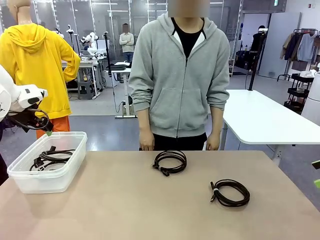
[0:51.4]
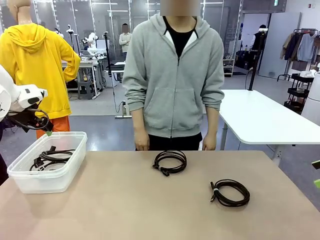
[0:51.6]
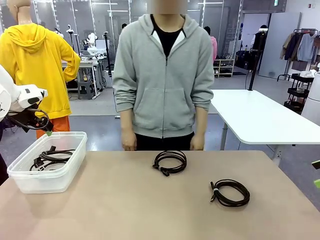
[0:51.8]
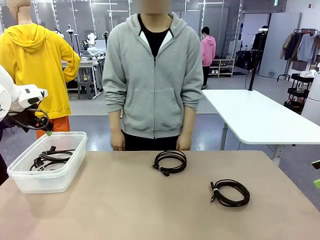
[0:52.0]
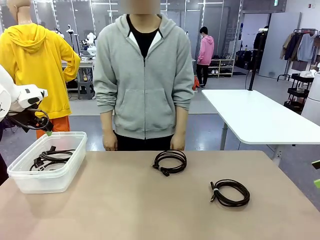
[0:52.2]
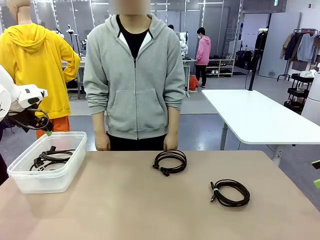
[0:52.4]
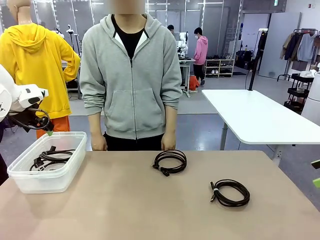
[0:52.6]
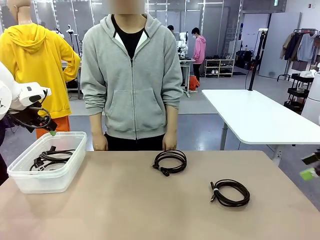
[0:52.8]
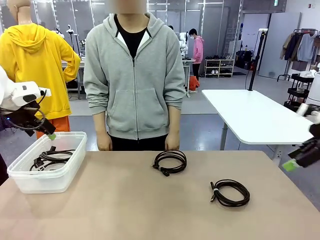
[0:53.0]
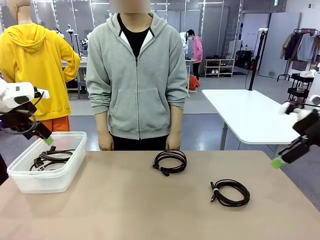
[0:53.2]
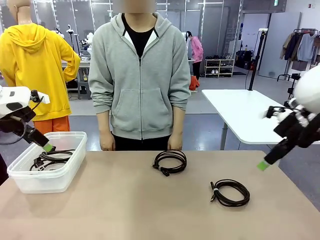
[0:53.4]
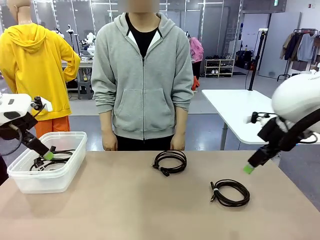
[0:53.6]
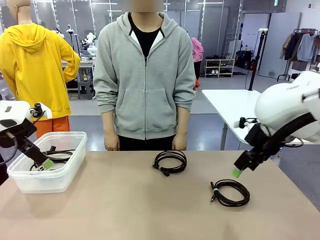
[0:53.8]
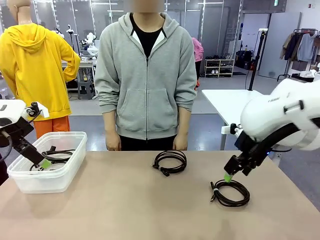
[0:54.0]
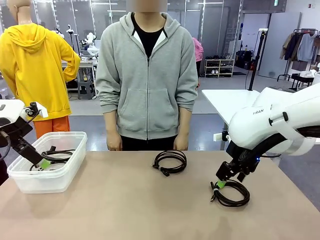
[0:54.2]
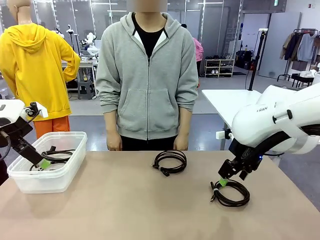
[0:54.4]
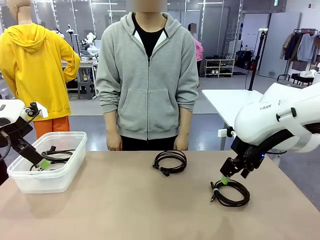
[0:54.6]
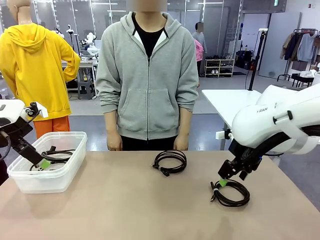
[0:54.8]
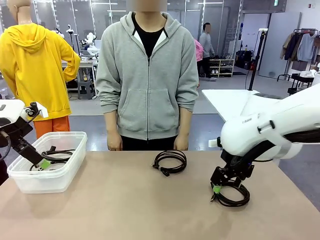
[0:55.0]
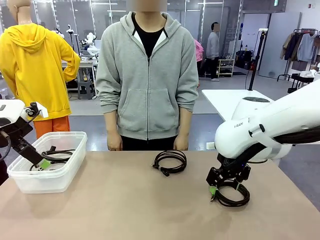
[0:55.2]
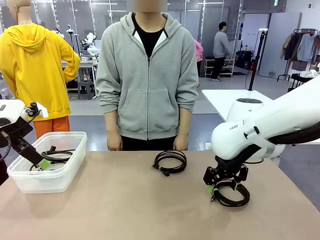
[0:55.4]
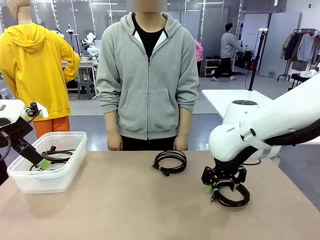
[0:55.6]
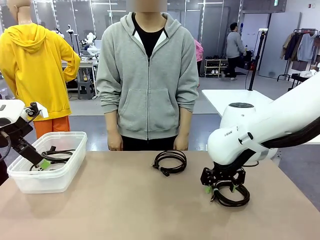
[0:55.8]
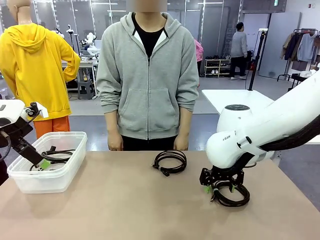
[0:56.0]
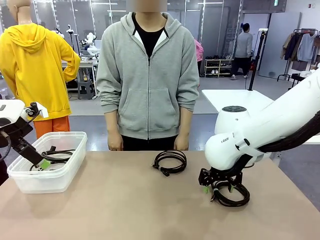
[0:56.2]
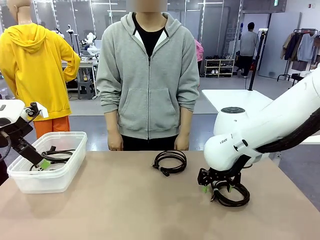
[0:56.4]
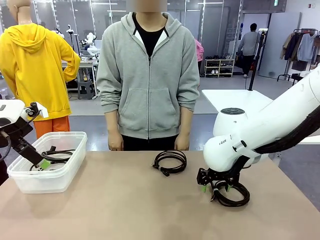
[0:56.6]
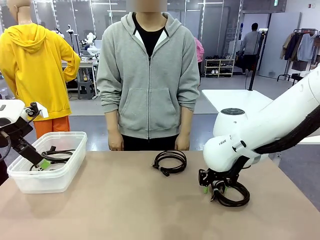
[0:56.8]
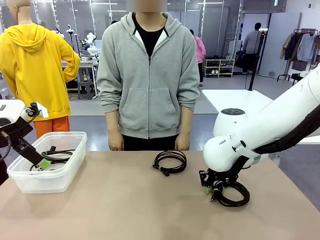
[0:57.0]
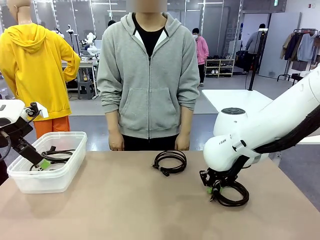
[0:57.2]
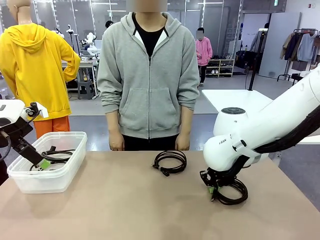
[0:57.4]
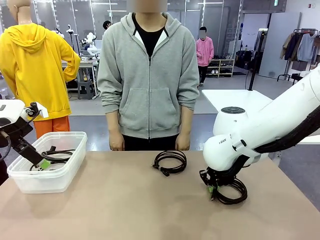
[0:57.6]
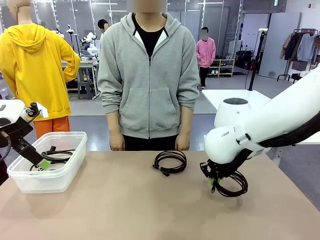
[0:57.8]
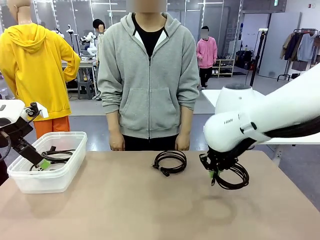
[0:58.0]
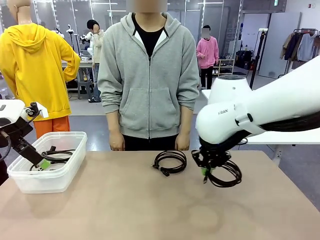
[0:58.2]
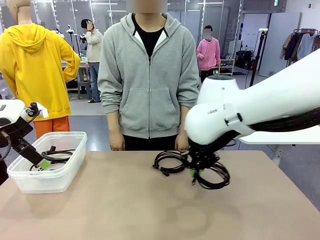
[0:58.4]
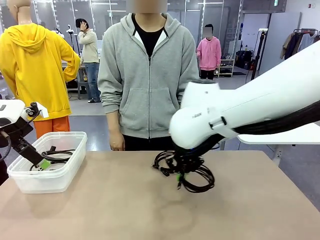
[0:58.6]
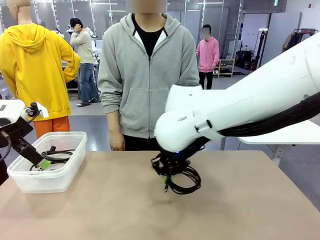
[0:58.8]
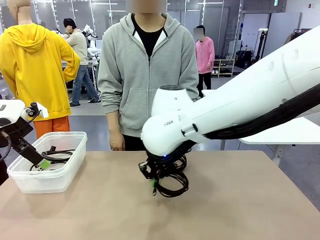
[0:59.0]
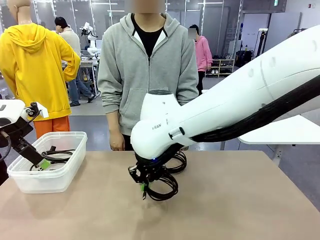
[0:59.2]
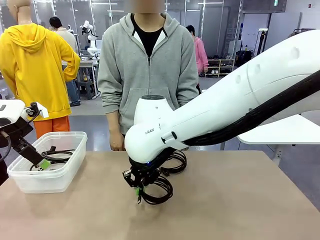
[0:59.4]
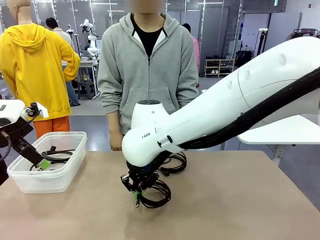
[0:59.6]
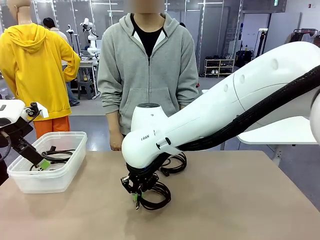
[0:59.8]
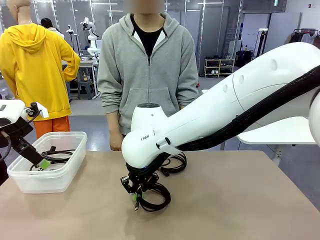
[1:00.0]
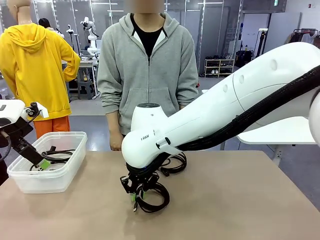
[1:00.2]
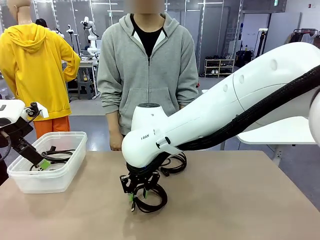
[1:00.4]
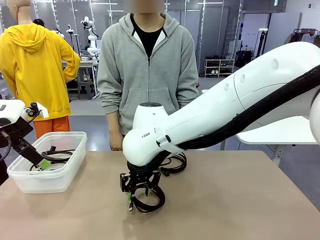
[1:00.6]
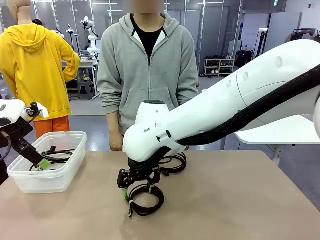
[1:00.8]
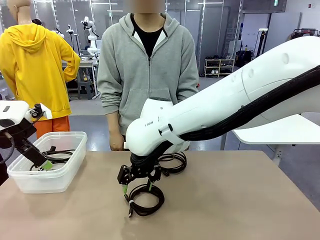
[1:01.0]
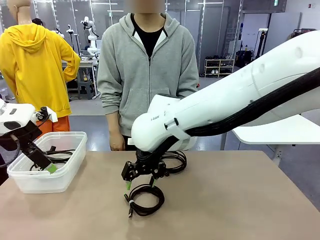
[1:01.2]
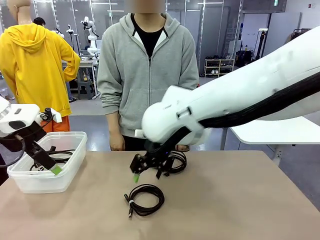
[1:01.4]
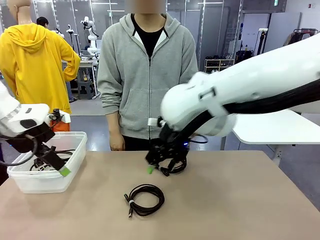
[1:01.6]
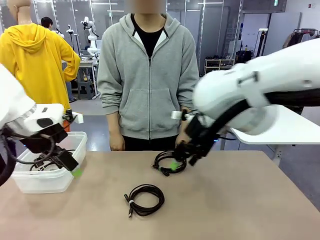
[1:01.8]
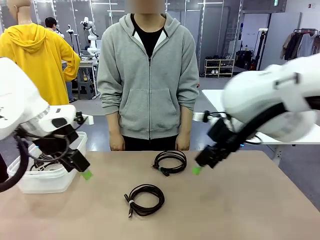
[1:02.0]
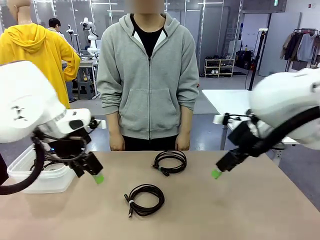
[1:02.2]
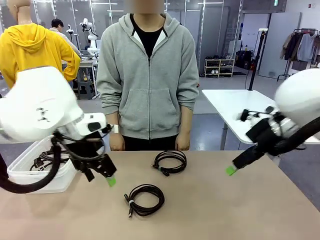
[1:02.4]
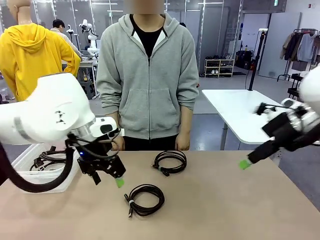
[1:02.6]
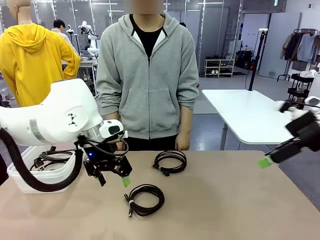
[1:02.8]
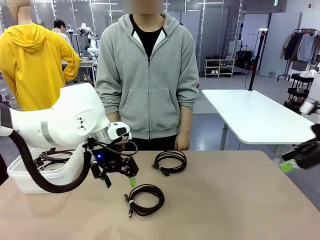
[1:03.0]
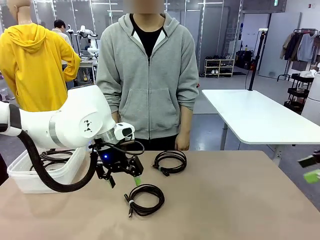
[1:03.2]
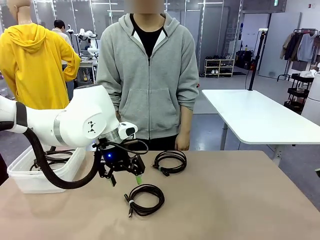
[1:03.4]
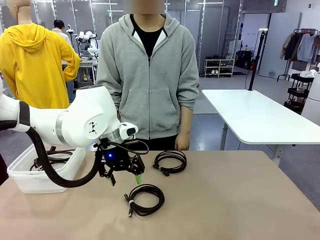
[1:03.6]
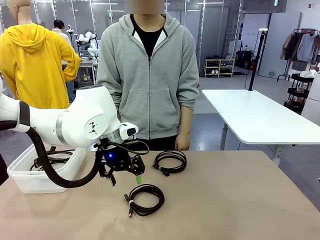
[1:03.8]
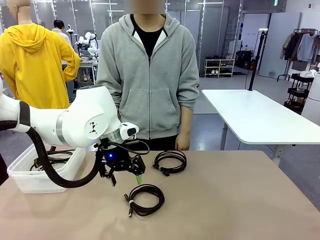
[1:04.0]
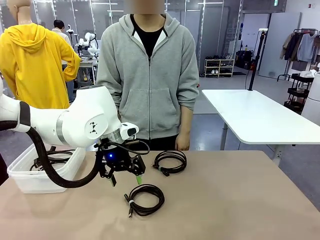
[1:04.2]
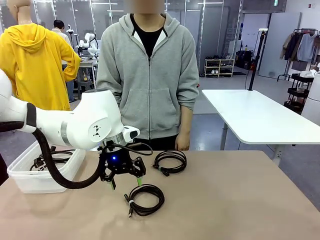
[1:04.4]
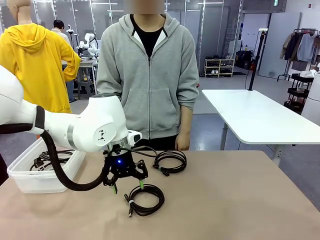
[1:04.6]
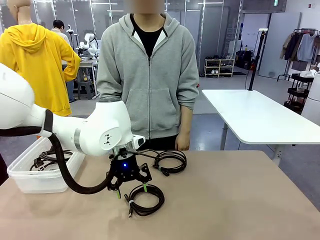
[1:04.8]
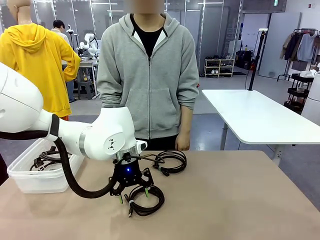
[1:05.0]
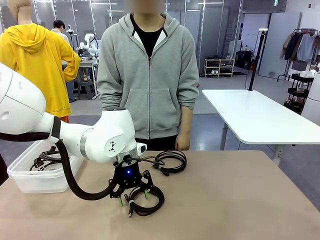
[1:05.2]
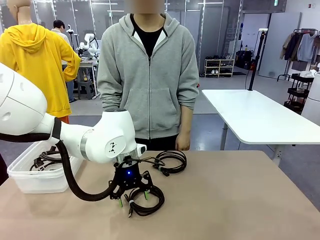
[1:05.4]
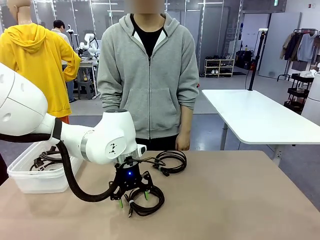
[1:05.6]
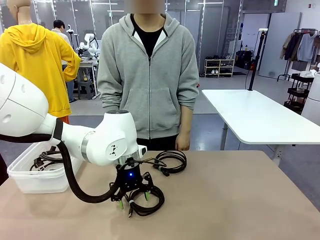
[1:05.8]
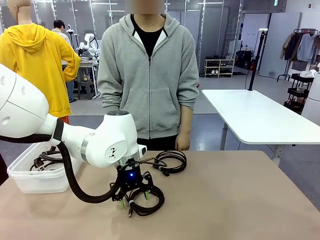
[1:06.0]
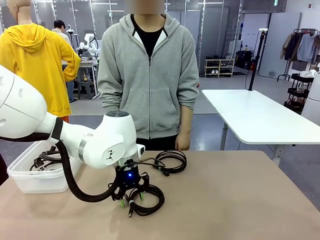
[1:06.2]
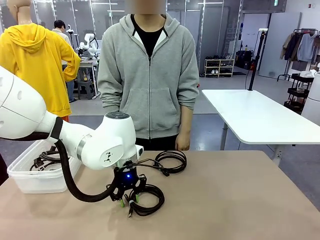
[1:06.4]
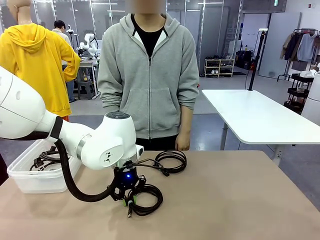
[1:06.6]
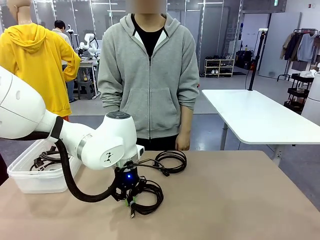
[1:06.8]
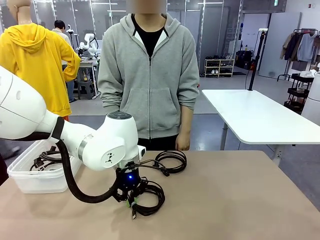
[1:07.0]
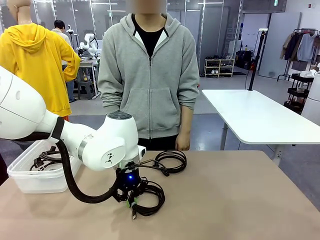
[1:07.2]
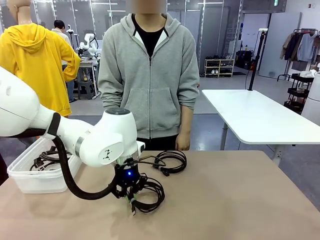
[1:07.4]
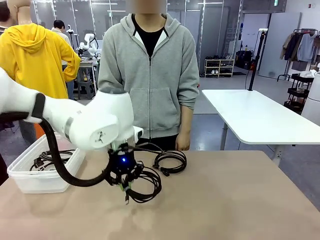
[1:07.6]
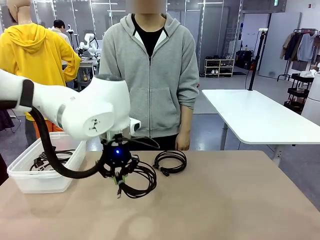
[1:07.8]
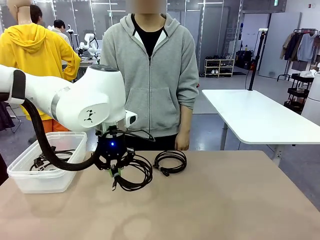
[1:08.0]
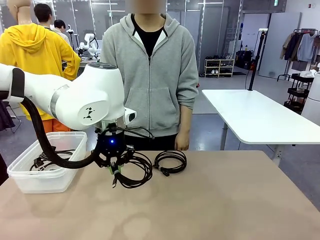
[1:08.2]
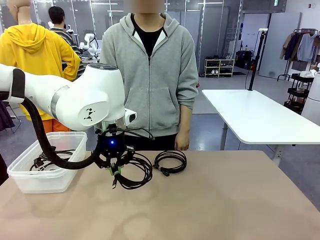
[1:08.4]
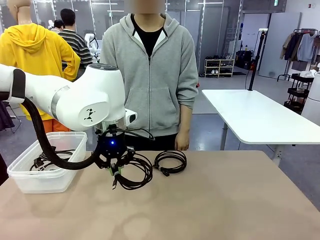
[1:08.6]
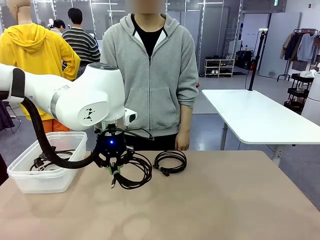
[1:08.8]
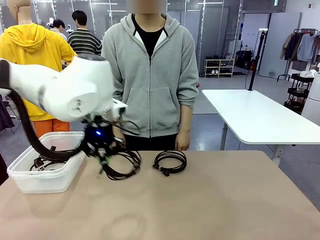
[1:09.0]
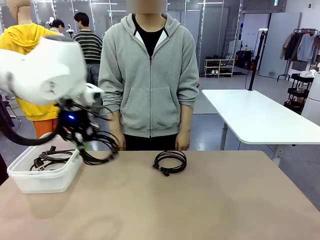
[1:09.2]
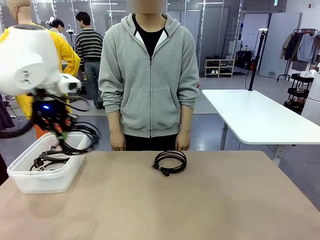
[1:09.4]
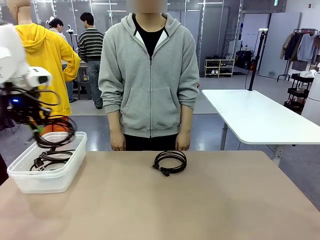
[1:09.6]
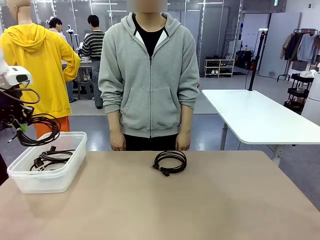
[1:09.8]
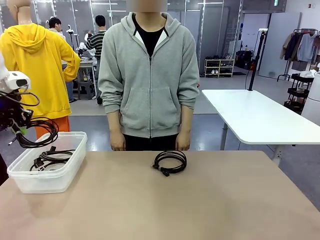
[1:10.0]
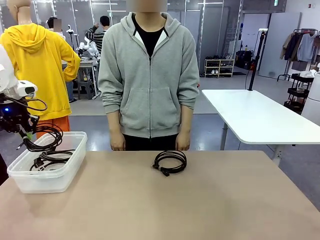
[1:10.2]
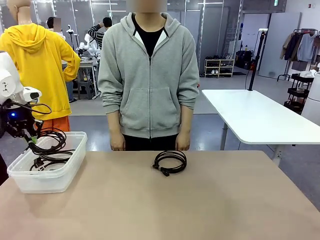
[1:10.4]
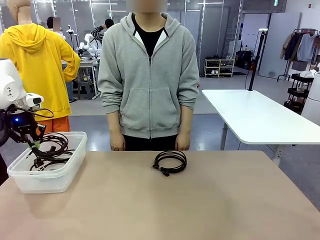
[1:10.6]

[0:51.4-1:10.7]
Task: Organize and store the cables.
Robot: Place the USB Extension Cable into the Organizing box.
